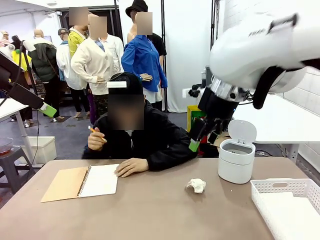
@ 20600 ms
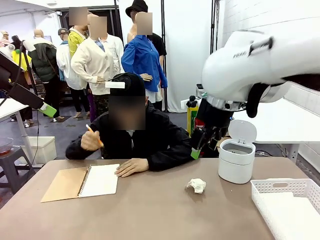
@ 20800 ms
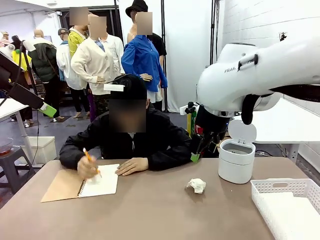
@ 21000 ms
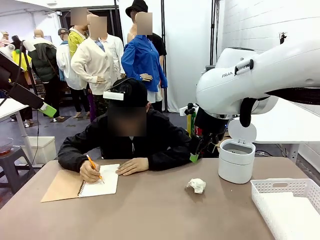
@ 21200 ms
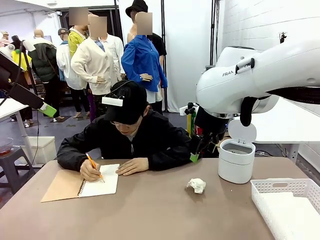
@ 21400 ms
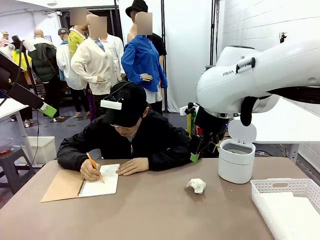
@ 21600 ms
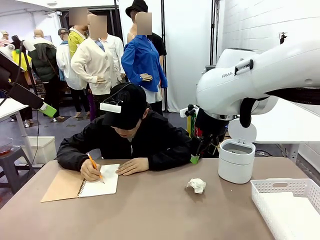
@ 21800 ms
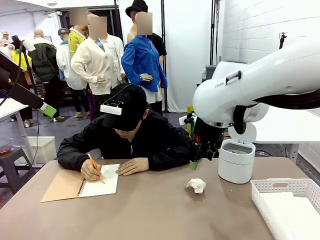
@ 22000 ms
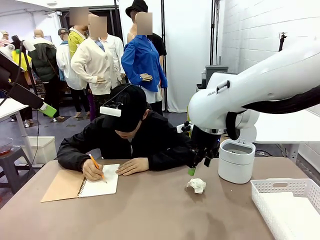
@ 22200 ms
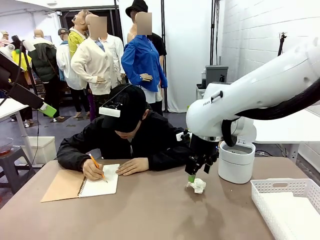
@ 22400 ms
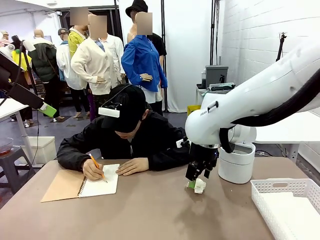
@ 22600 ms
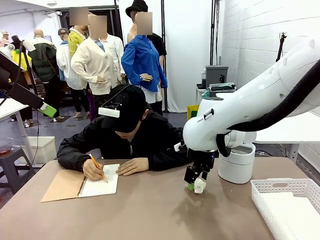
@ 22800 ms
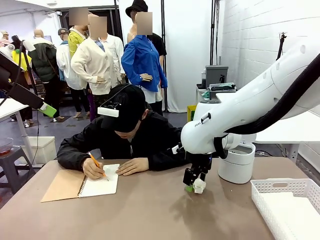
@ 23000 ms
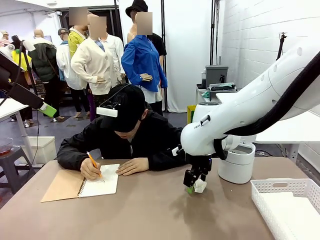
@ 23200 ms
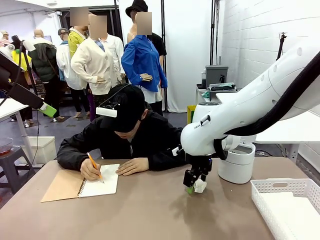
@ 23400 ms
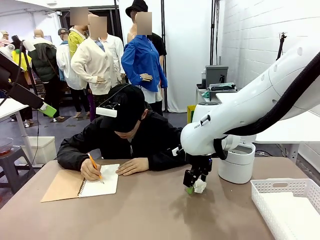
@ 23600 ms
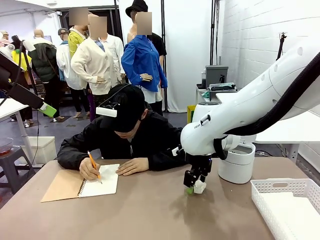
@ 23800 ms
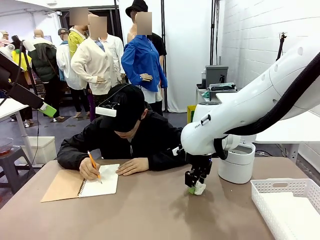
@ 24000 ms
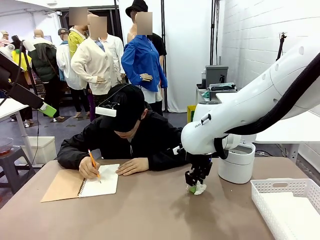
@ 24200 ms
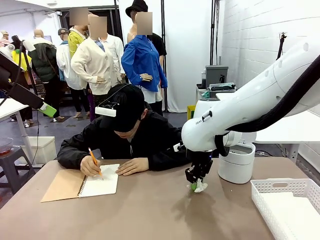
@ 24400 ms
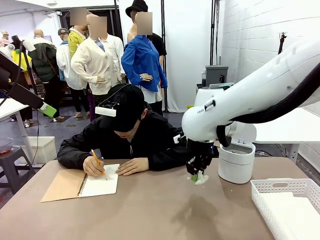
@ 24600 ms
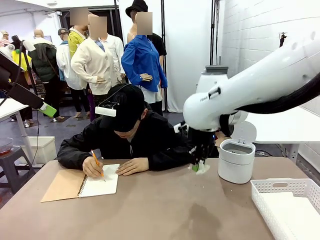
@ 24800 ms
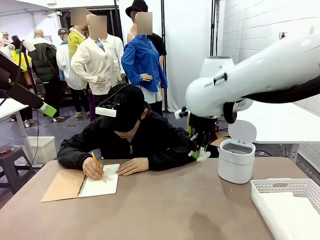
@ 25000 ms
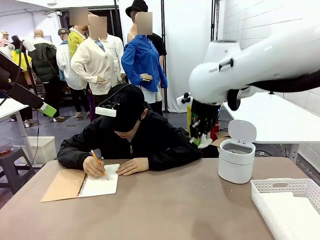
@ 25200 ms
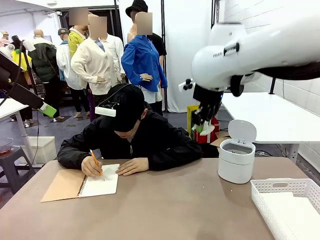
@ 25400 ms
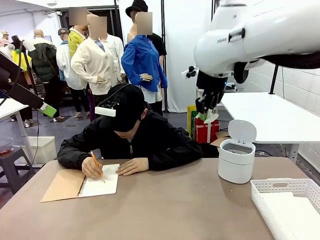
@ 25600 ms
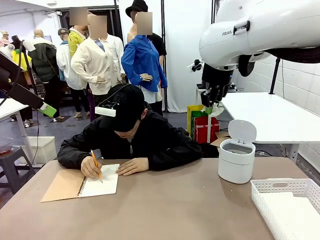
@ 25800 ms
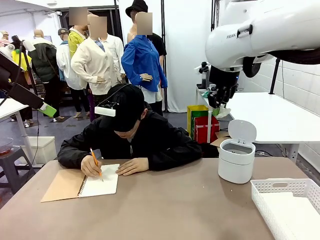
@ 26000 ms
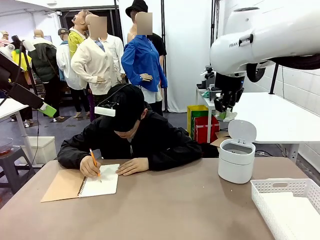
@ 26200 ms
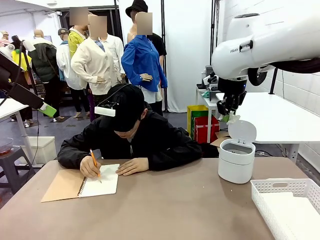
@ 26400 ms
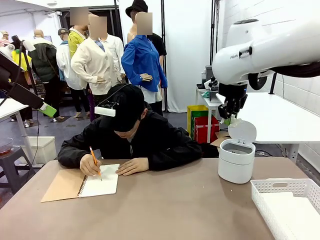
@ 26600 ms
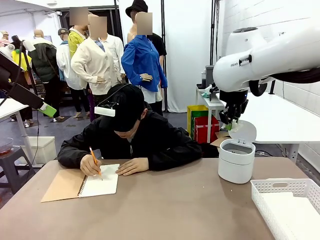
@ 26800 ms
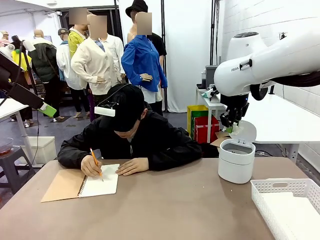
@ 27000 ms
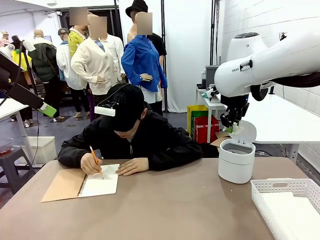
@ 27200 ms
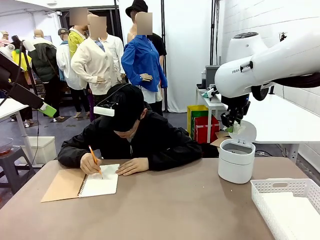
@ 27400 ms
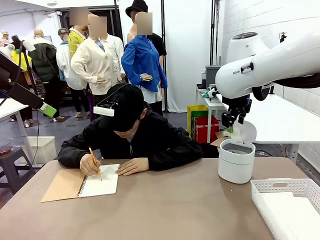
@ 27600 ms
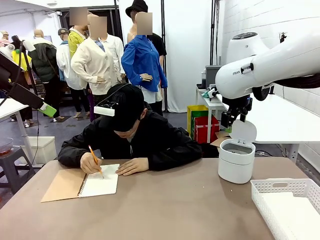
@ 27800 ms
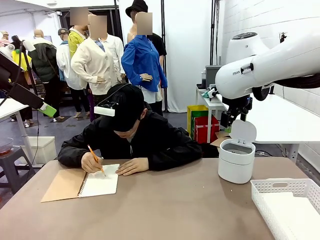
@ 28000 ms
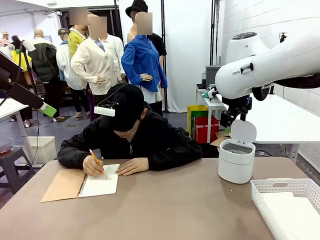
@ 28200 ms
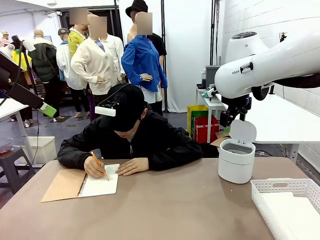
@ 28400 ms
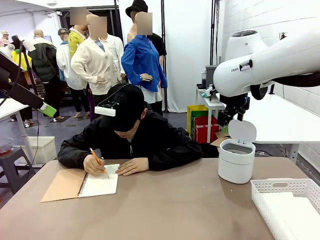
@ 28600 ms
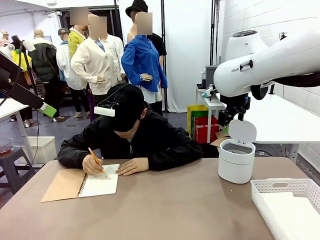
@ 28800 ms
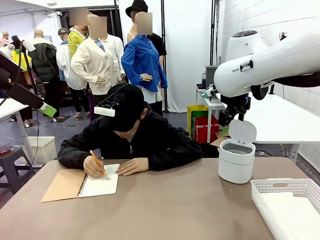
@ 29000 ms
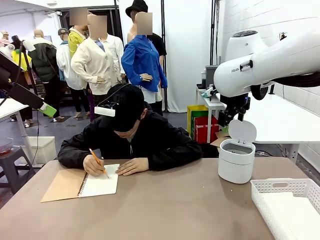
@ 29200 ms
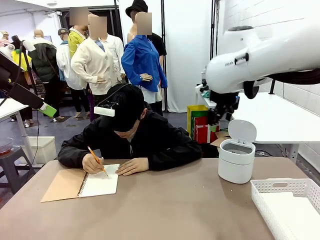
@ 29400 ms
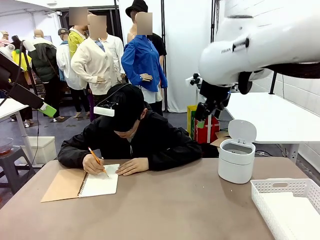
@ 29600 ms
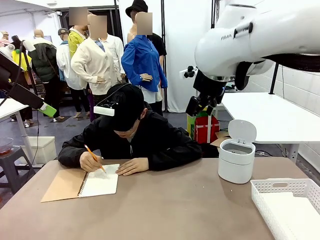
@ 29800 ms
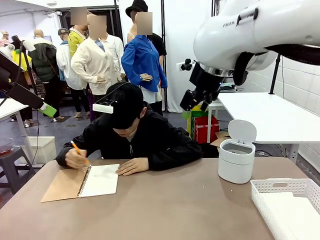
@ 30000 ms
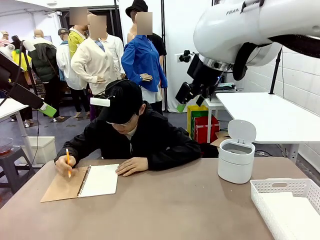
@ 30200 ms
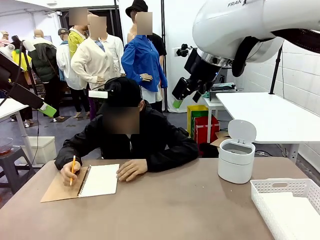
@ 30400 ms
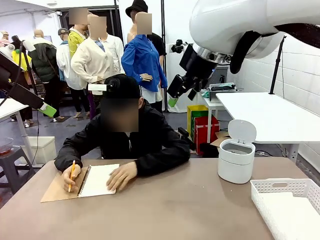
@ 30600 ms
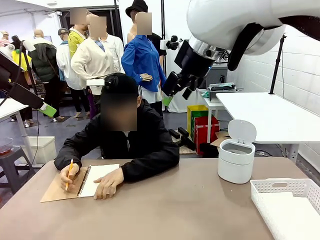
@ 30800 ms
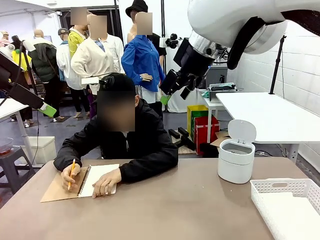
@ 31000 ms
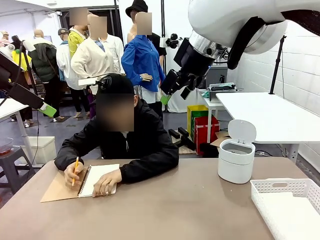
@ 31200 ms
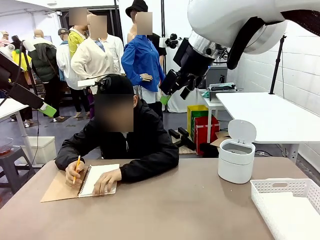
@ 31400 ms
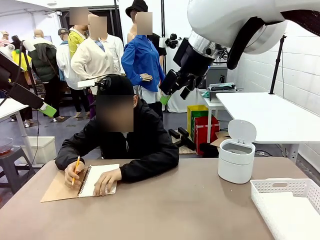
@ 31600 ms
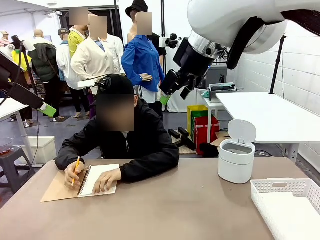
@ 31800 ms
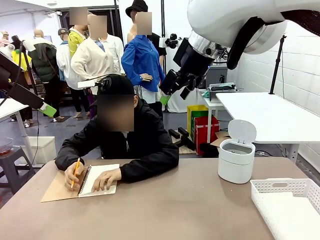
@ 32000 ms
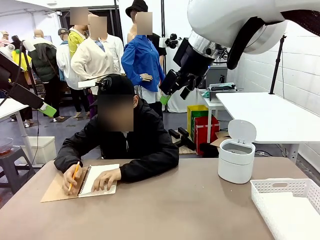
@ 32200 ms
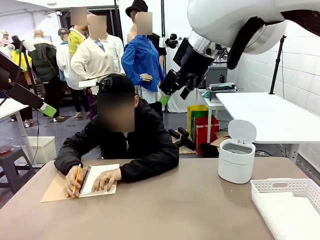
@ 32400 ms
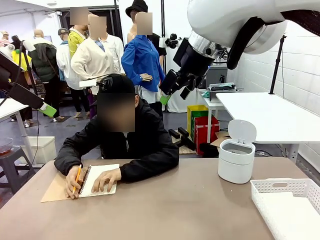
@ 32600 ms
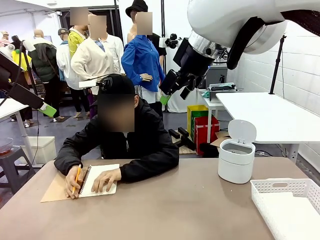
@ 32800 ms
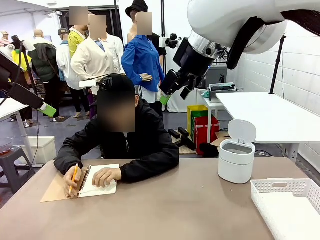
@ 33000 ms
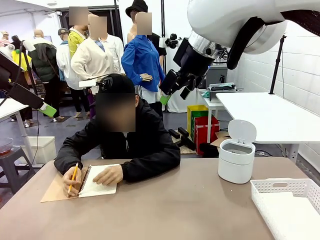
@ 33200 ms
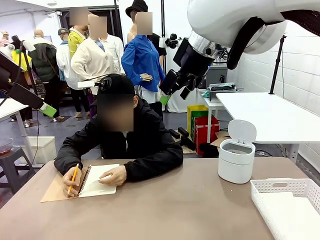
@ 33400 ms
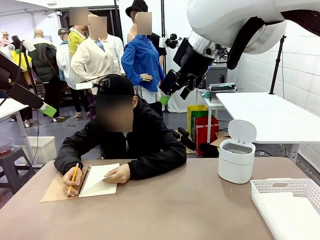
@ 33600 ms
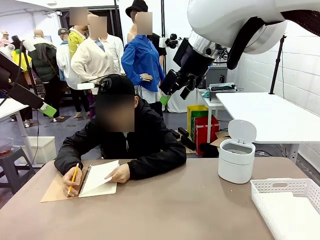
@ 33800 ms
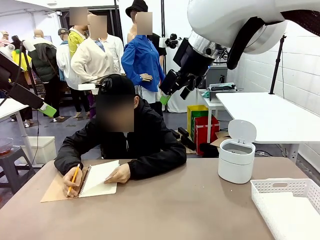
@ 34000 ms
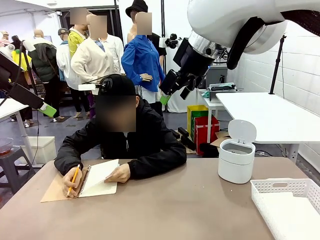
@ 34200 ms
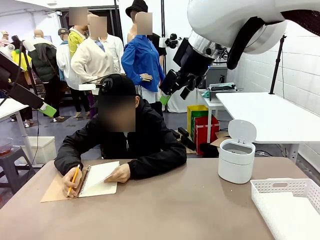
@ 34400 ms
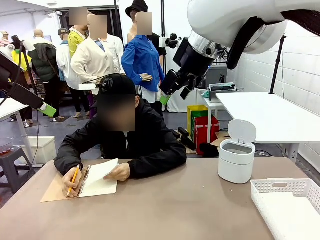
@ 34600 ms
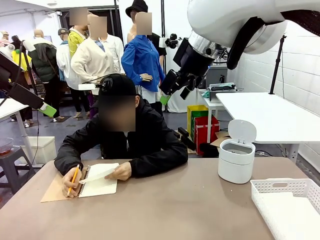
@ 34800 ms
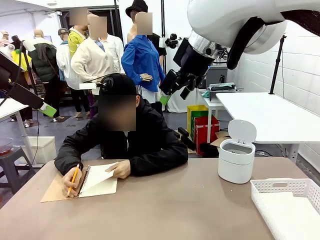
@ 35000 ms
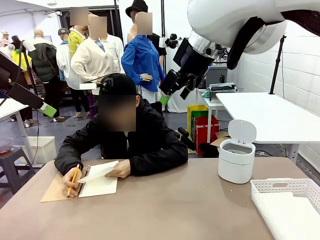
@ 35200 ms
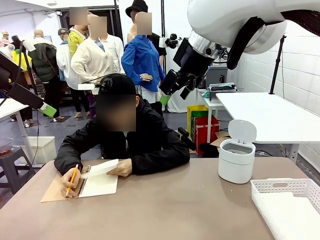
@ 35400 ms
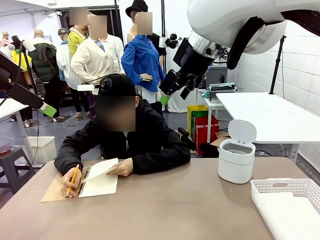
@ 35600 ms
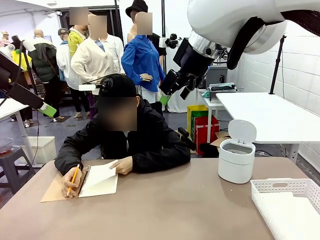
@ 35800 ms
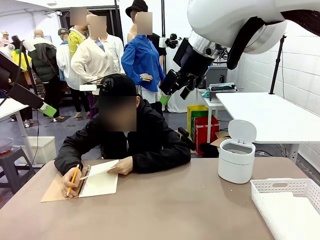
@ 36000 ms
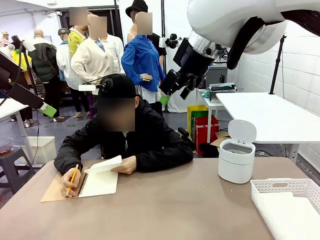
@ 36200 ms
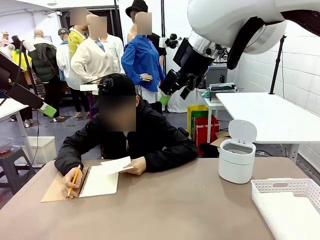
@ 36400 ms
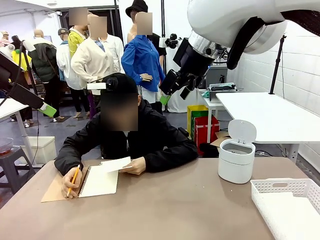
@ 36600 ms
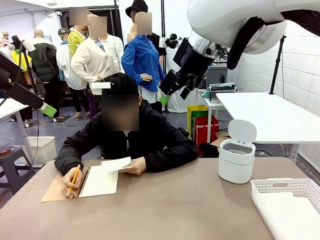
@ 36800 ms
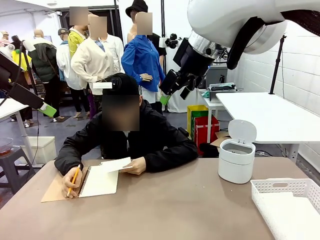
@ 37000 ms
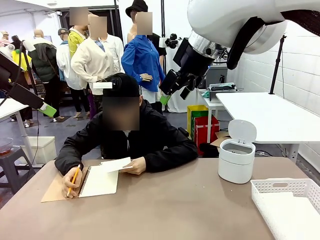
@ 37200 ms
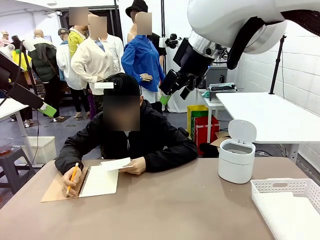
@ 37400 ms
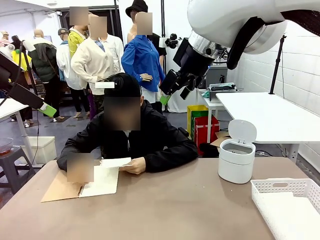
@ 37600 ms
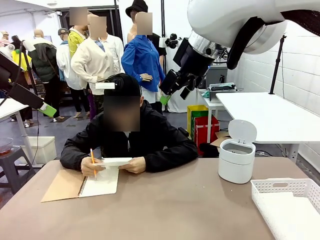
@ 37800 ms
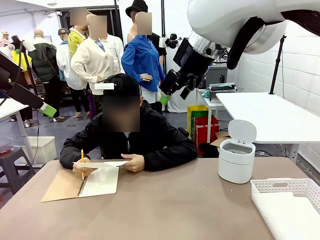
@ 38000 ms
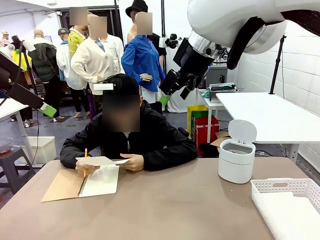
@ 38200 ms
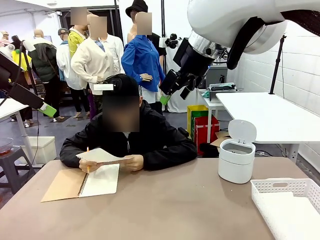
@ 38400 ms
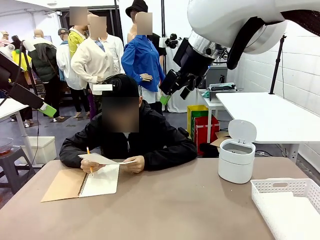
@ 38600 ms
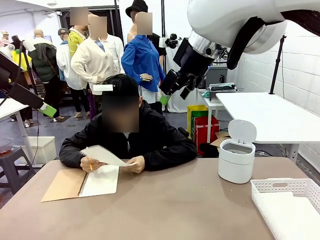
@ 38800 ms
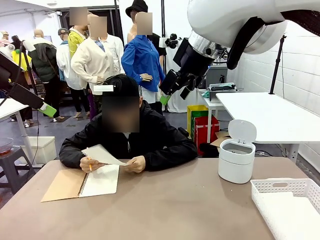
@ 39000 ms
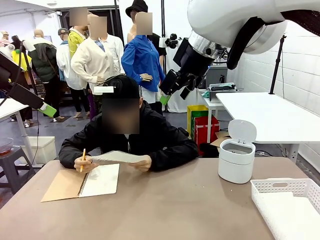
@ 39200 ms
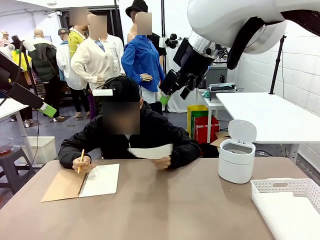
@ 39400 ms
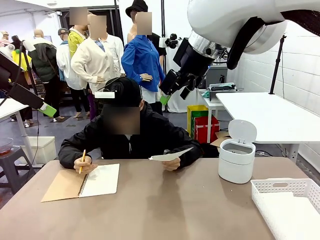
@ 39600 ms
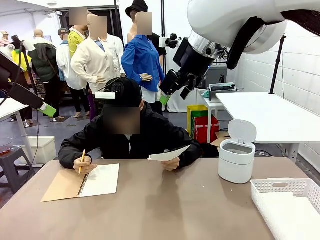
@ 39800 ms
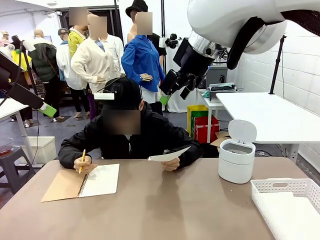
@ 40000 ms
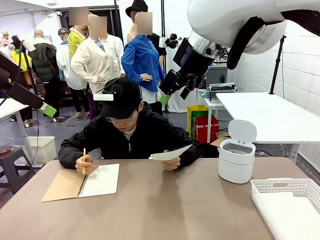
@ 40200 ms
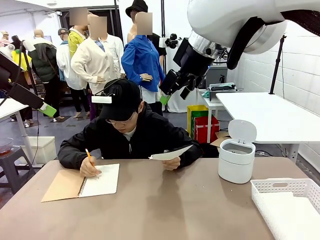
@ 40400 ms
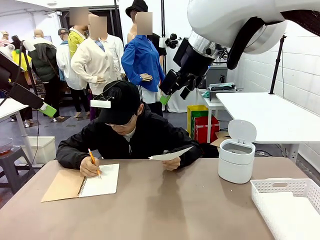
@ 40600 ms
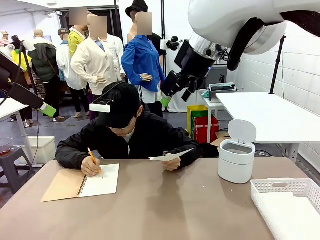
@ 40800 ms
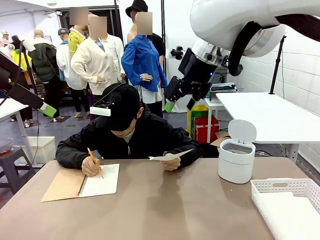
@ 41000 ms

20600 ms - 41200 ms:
Task: Sort the paper based on its condition.
Robot: If a person hands you a paper, place it in the Organizing basket , and if it's crumpled, put it in the Trash can.
Person: Tear out a page from the spiral notebook. Hand the torn page to the robot or crumple it and throw it to the center of the table.
